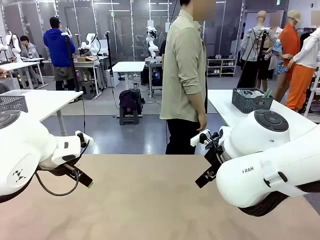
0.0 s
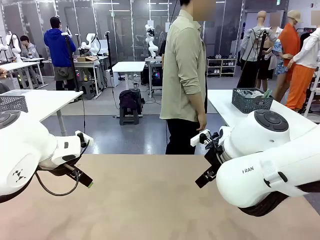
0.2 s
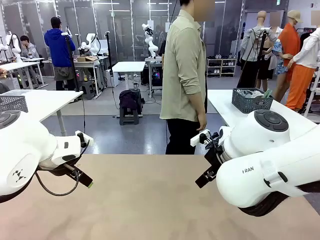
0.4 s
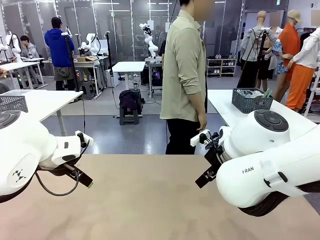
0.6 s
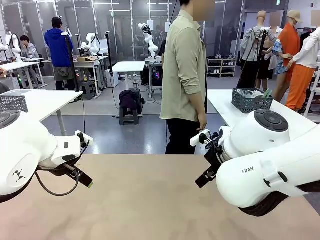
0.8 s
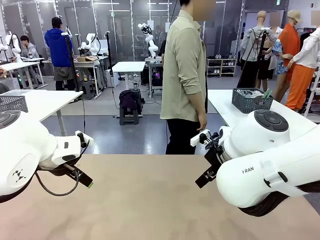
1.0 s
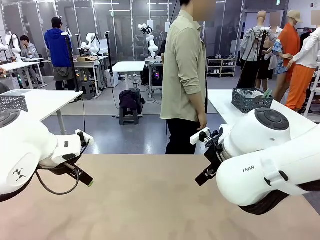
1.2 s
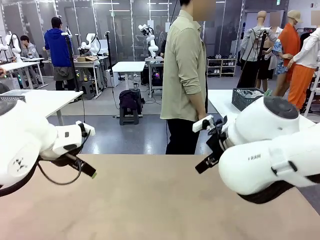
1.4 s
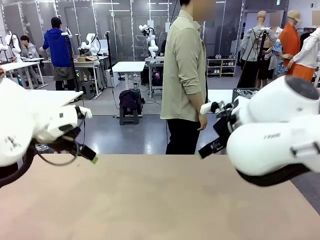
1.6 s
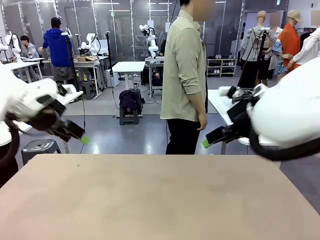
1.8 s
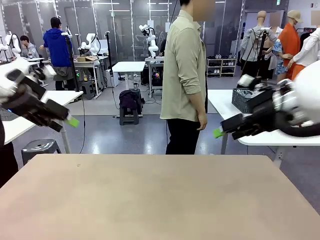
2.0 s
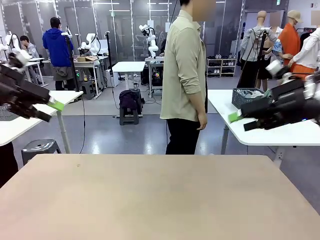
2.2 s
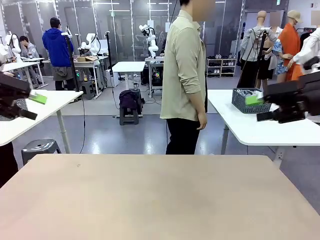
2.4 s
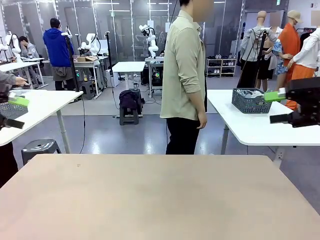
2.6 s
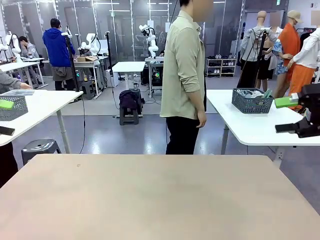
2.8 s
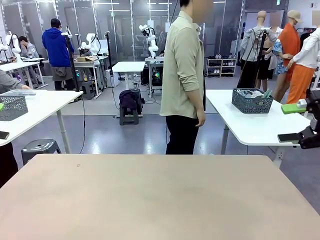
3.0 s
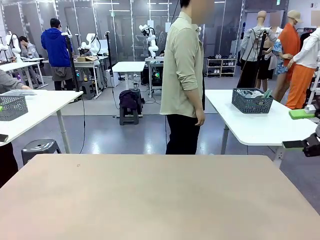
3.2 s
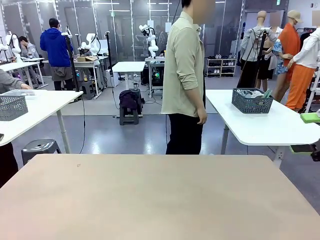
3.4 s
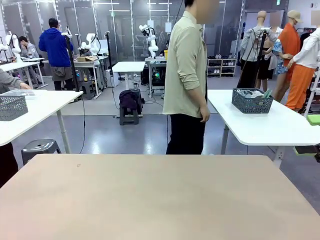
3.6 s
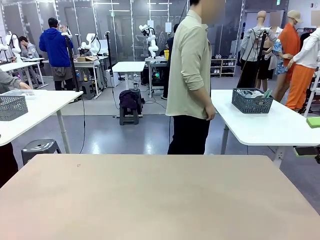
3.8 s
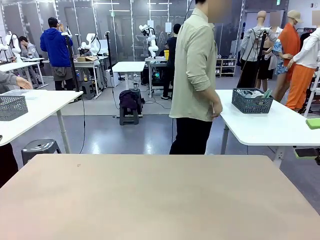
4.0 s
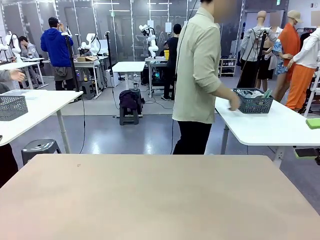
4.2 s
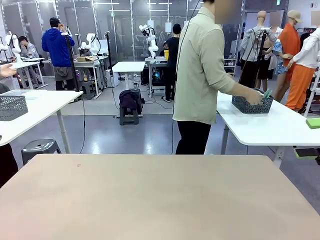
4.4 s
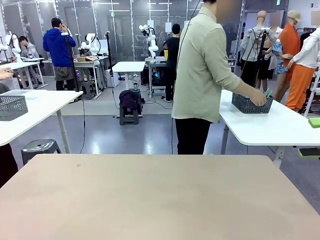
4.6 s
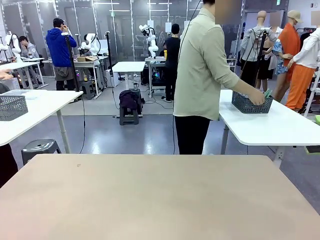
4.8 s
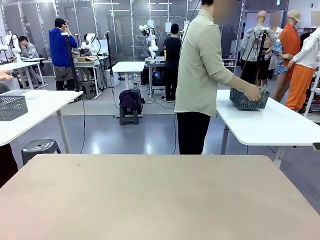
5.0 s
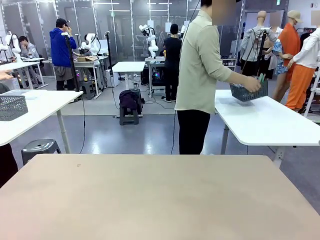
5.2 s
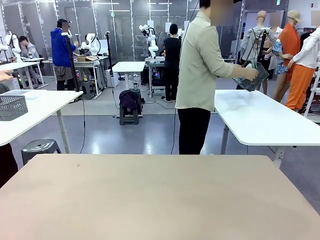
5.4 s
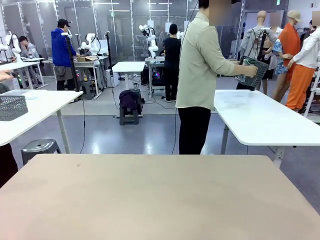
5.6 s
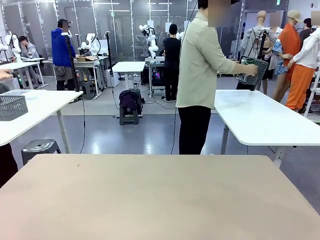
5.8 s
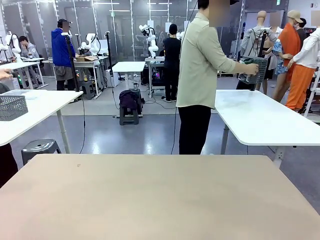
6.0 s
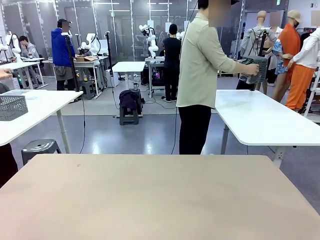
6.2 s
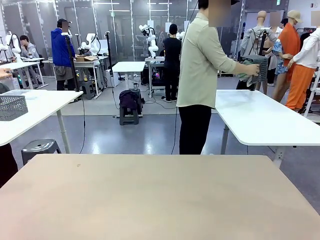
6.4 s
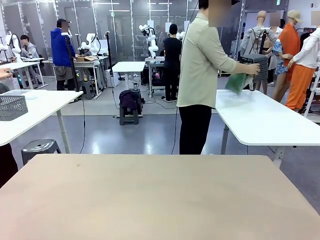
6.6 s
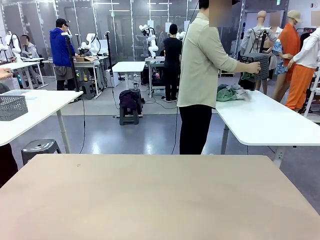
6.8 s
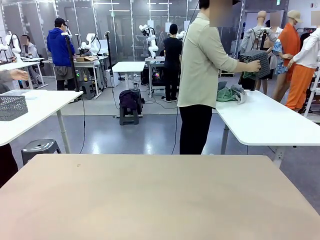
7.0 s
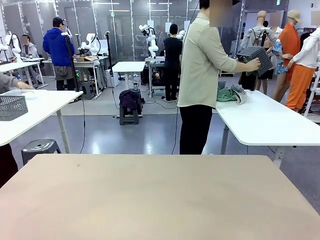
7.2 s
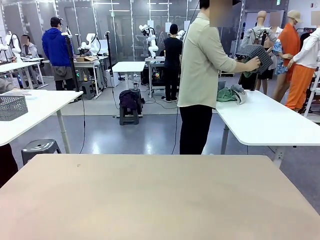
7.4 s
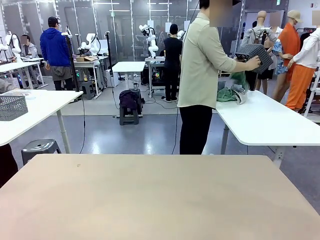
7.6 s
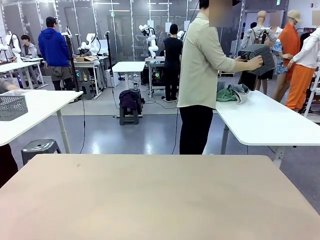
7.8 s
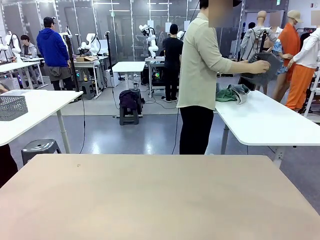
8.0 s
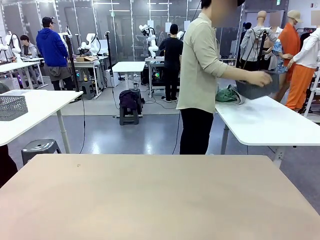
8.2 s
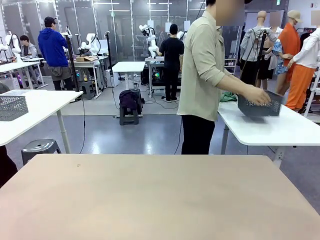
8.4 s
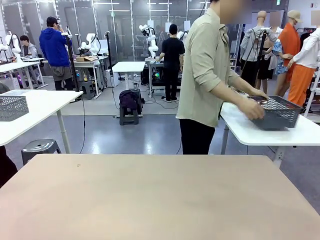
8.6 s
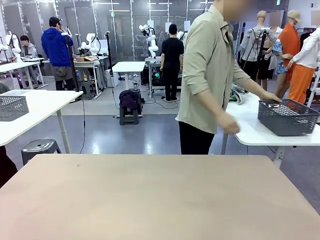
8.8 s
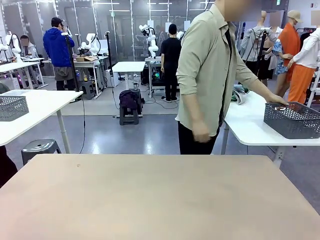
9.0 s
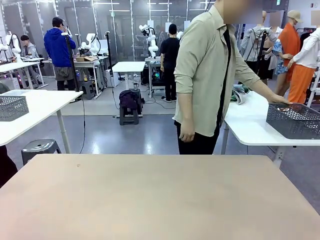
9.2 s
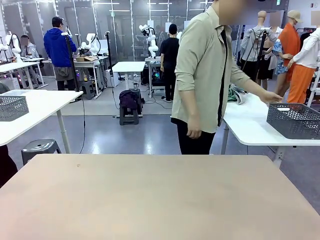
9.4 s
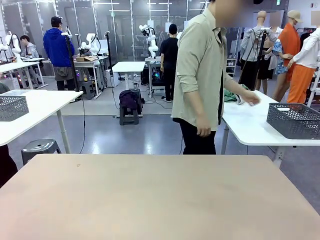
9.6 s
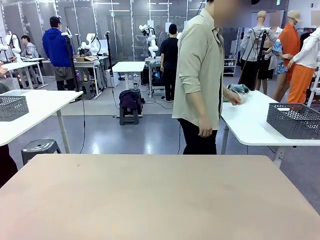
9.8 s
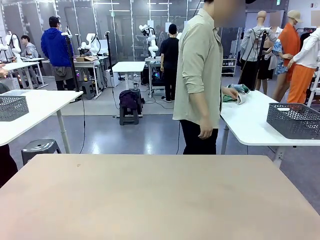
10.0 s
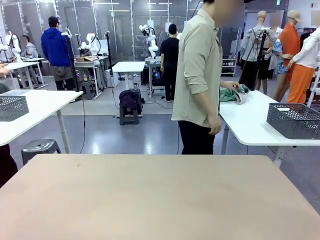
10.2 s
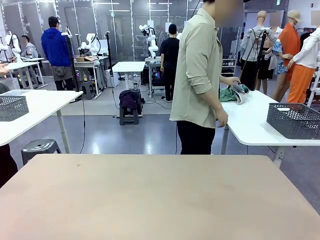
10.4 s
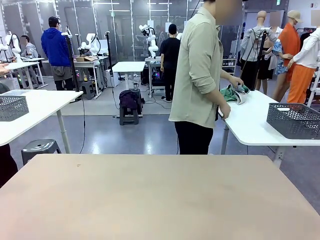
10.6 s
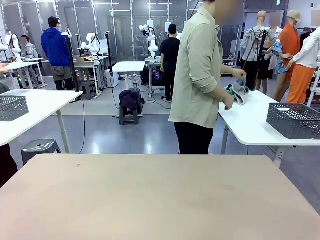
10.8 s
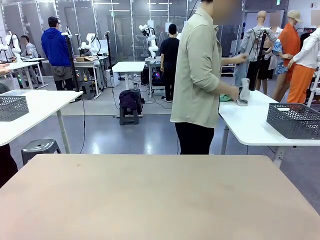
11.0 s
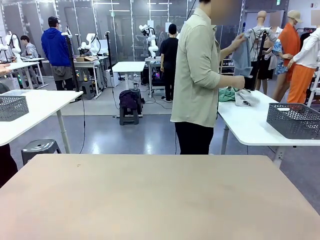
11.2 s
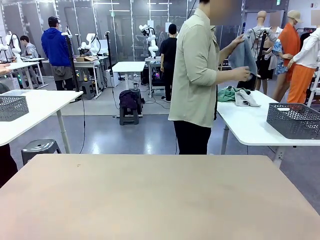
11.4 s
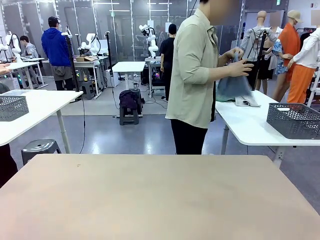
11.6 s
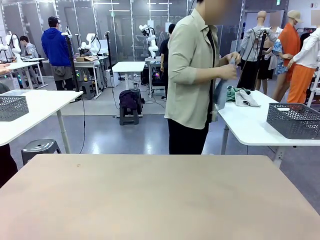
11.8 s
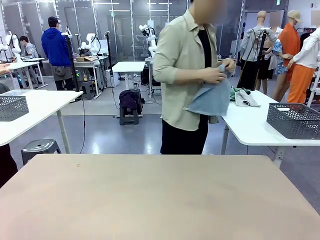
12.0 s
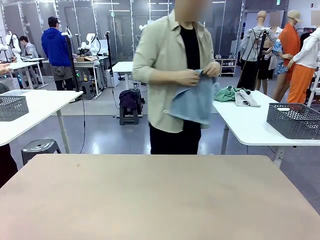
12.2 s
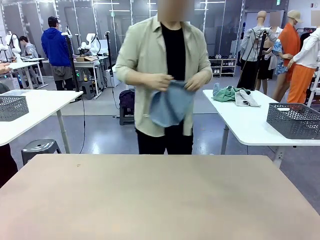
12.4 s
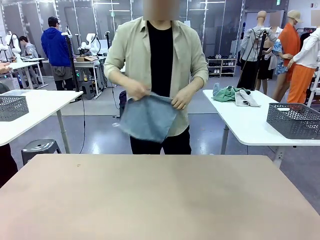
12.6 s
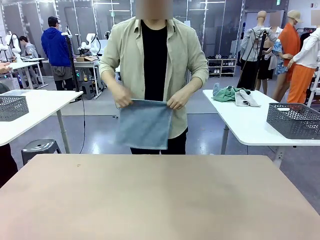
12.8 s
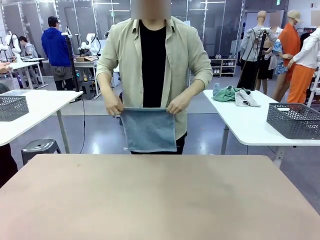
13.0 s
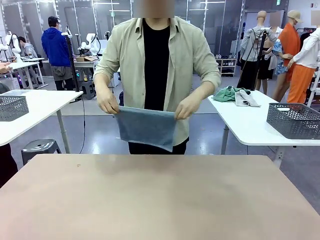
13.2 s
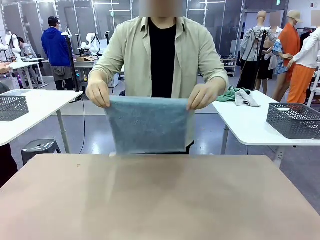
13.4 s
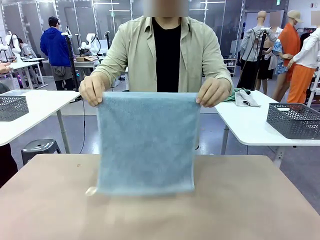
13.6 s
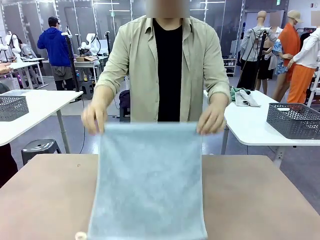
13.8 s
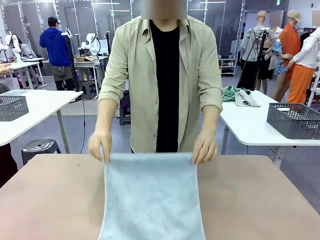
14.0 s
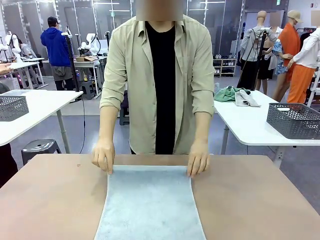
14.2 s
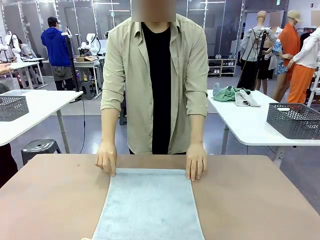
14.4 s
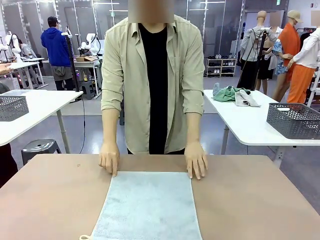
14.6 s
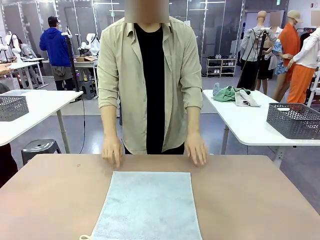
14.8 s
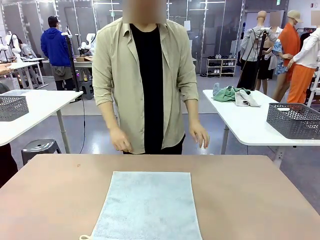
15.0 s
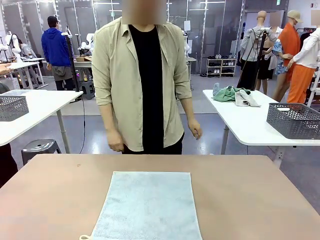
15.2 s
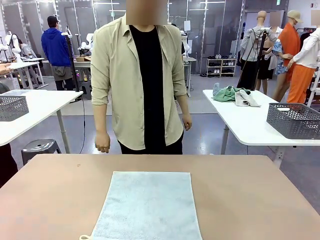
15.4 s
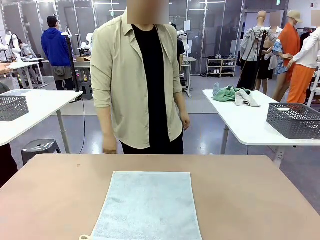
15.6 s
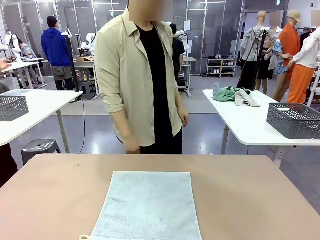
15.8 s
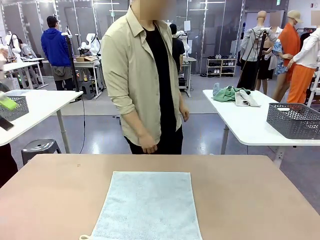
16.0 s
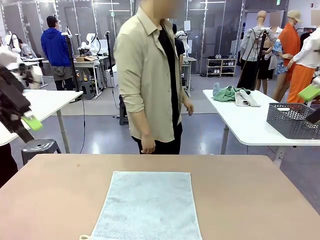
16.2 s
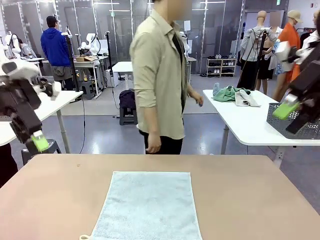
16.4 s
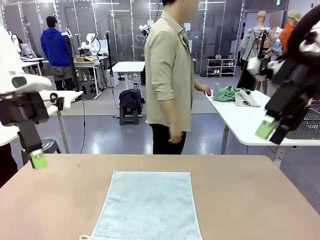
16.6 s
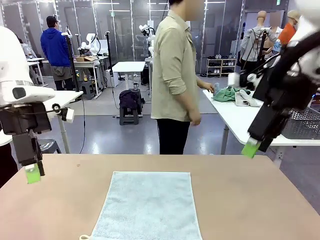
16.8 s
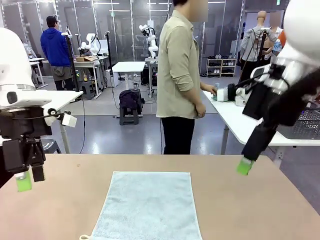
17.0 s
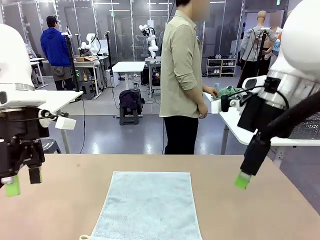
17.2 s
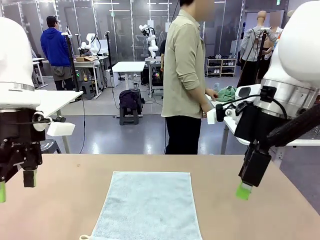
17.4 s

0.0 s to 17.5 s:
Task: Fold the towels and place them in the basket.
Robot: When a person lays out a Towel with hook on the table, fold it in half twice.
Person: Pick up the basket, pour the towels onto the left side of the human table, and place the basket on the right side. Pick up one towel and spread it out at the center of the robot table.
